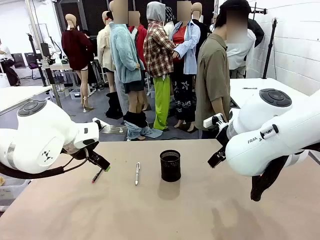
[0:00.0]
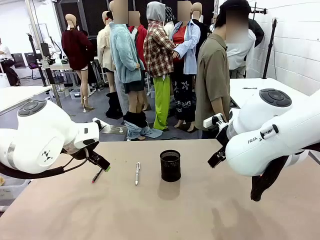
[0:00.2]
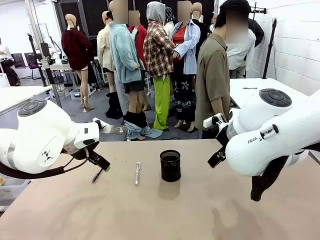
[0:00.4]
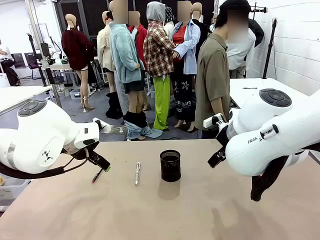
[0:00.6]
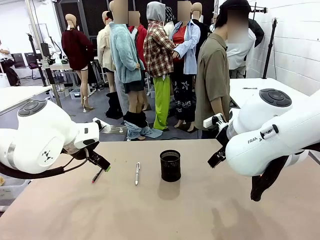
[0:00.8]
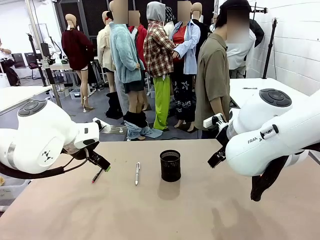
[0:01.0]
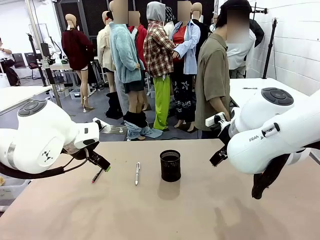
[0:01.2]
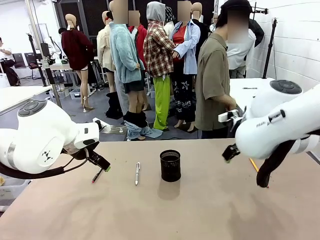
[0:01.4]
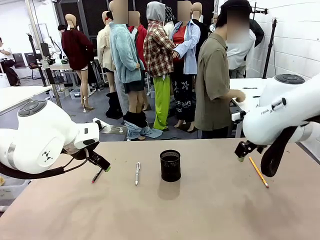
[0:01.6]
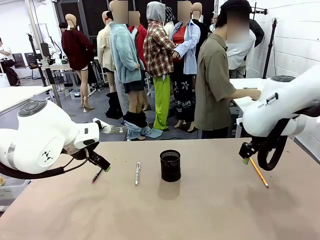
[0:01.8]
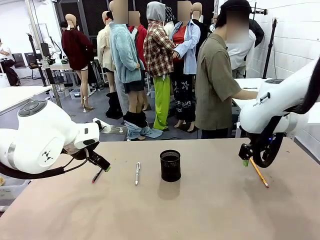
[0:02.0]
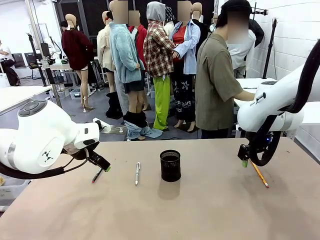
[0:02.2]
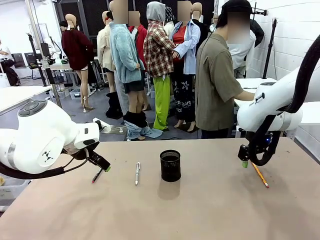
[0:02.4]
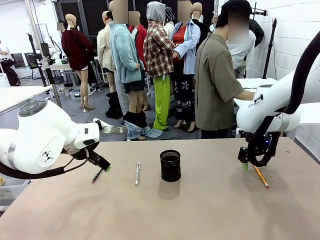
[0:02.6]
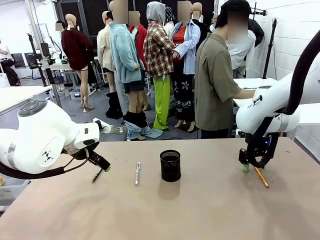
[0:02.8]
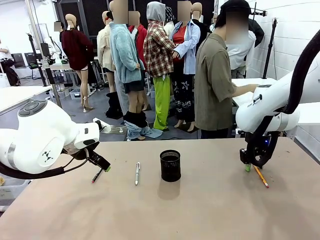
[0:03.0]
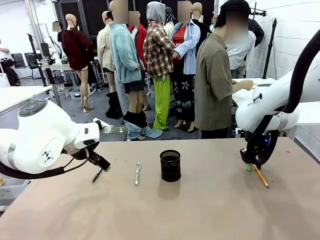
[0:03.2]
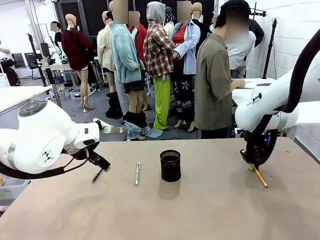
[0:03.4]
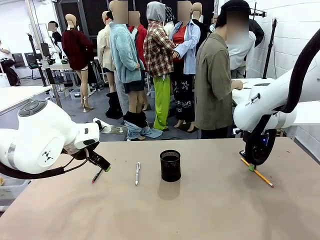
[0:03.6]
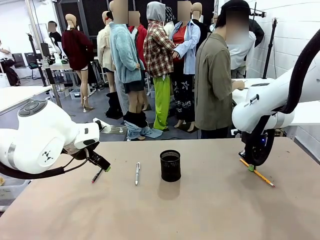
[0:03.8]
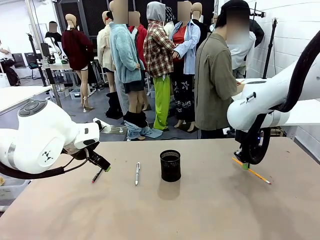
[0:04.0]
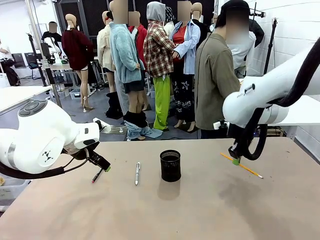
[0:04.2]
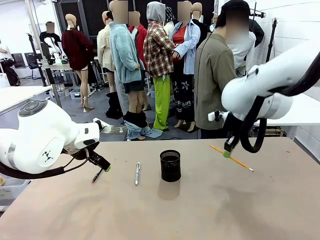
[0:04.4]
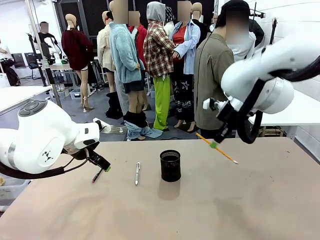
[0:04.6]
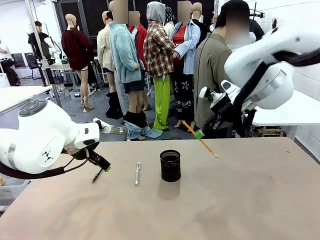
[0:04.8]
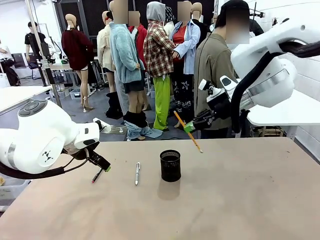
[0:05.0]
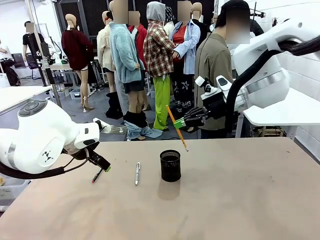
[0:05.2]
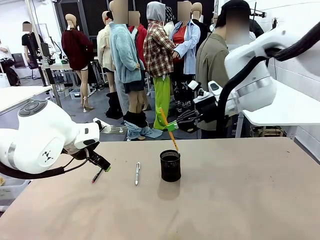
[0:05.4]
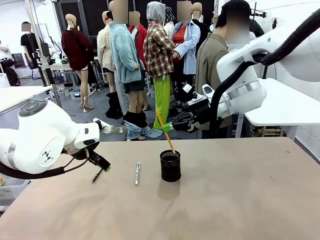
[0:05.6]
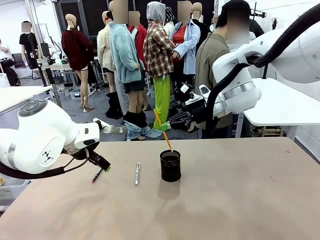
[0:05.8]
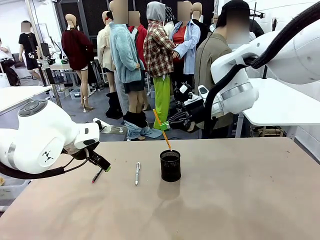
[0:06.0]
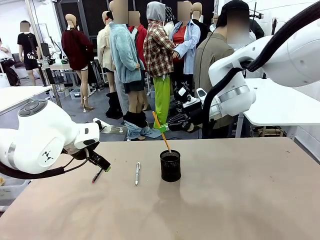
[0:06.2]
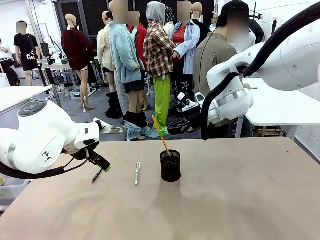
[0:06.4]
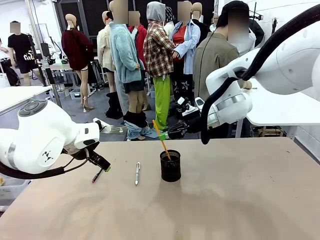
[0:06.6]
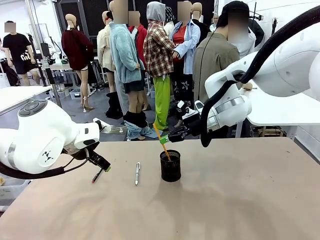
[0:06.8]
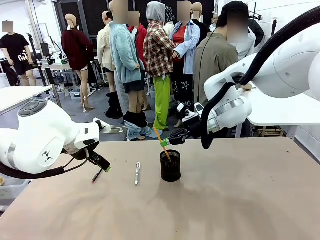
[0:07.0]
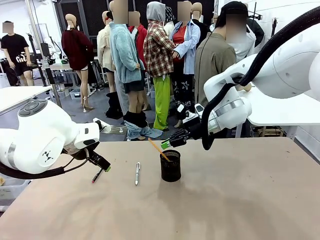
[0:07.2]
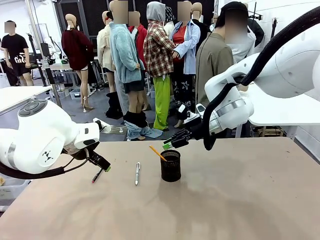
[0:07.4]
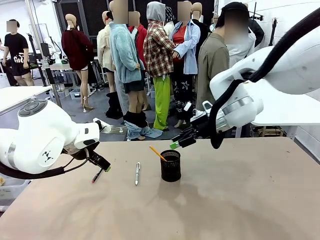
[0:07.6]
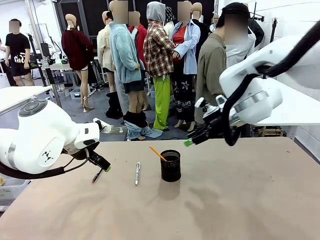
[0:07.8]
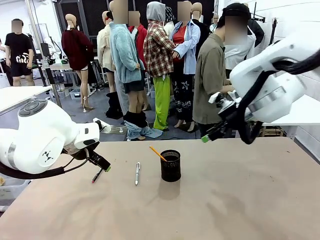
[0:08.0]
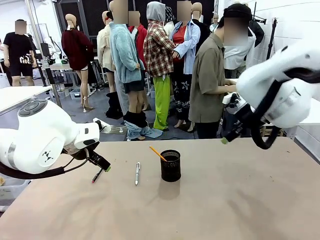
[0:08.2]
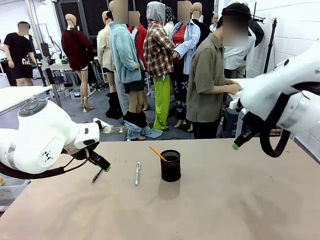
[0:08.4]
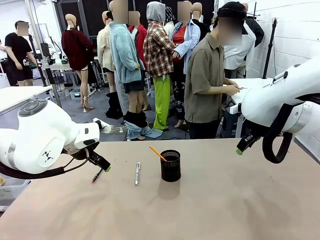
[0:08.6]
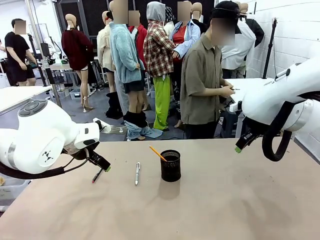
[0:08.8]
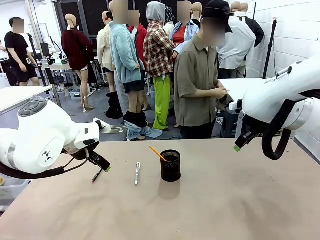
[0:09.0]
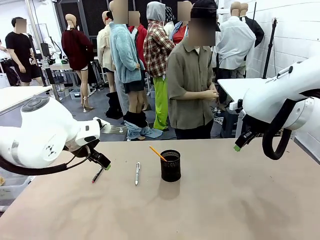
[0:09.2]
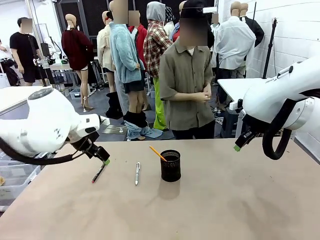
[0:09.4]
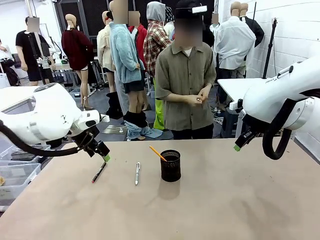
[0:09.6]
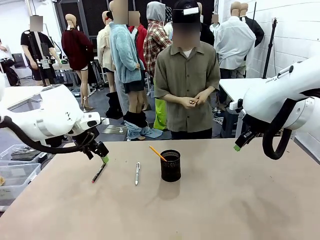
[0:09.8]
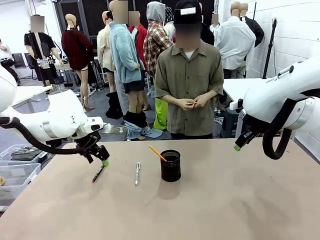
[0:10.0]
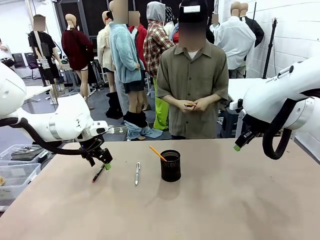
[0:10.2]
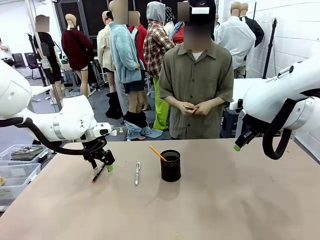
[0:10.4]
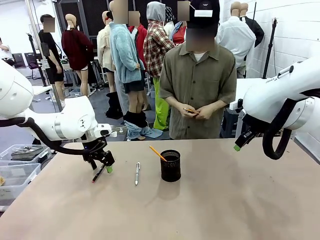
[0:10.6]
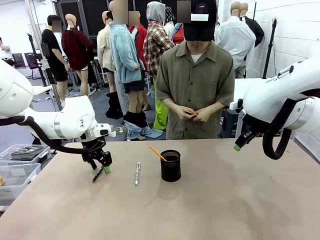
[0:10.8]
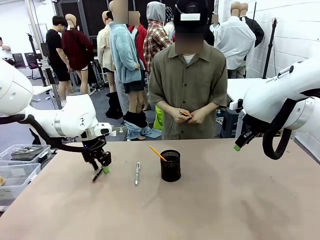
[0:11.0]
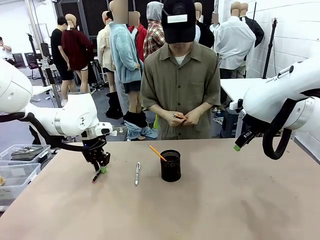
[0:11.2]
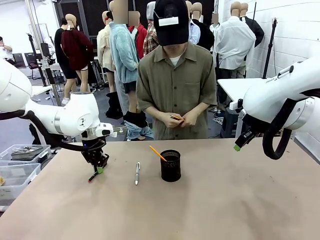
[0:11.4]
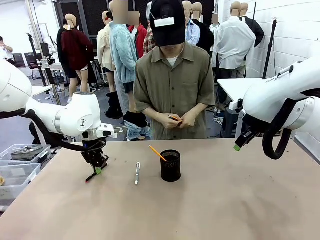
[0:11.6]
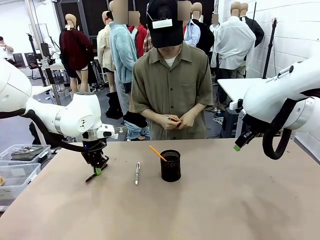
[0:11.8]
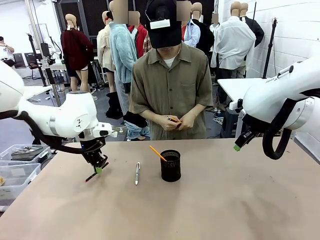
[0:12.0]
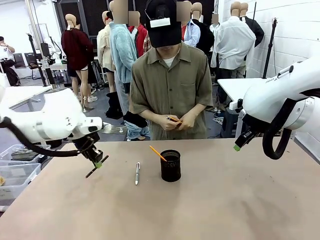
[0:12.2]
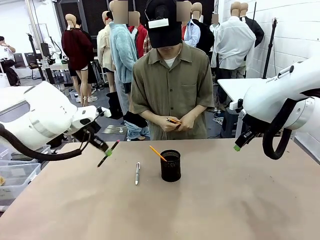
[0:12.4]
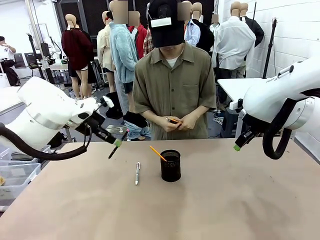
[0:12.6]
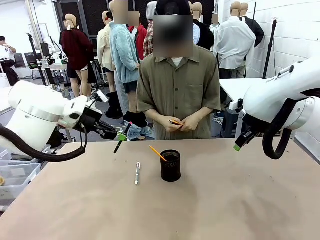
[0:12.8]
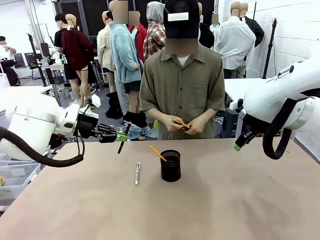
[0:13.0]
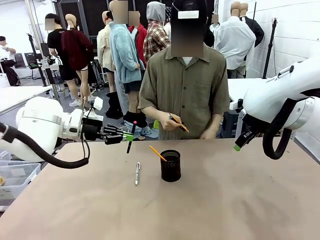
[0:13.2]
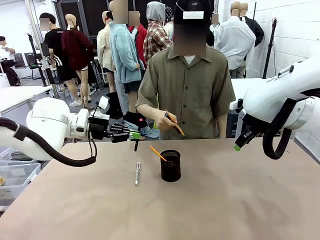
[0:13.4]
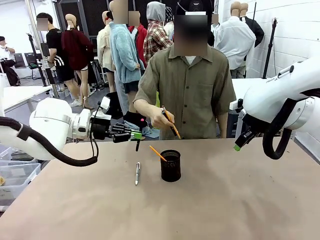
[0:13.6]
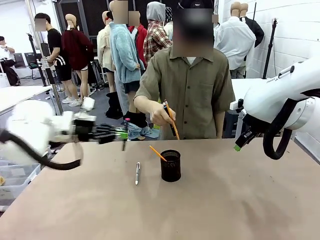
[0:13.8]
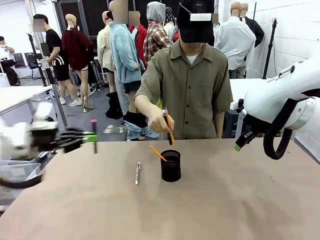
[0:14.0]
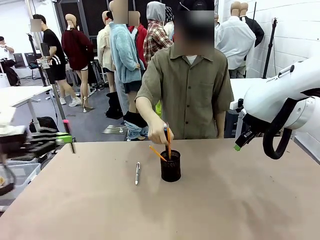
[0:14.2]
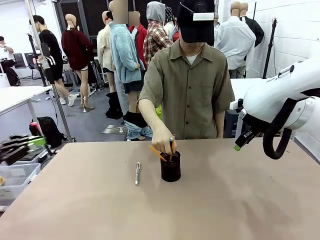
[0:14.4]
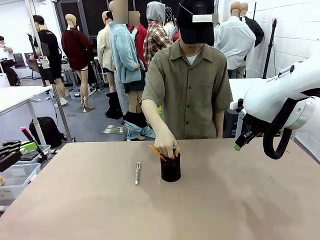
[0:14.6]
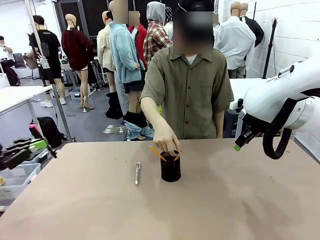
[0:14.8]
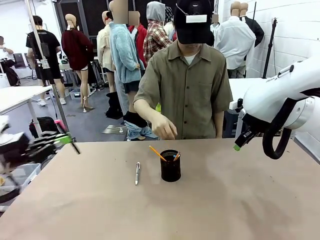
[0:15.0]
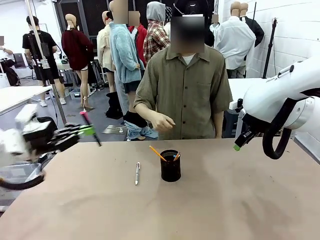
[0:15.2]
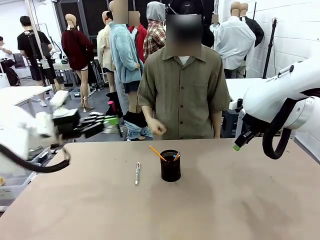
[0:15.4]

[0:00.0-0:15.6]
Task: Place the pens into the pen holder.
Robot: Pick up a writing instrument from the table and place it into the Pen holder.
Person: Pick up all writing instruments from the Human table.
